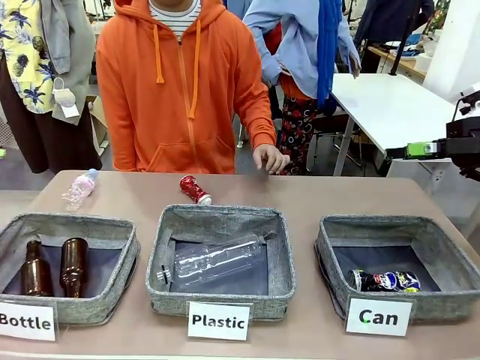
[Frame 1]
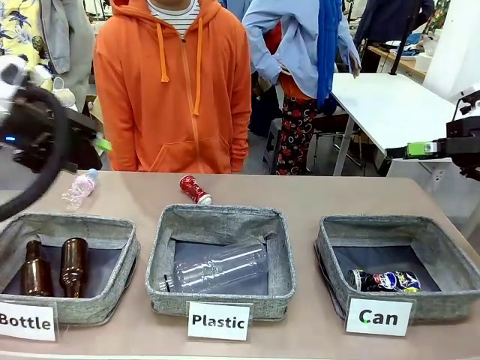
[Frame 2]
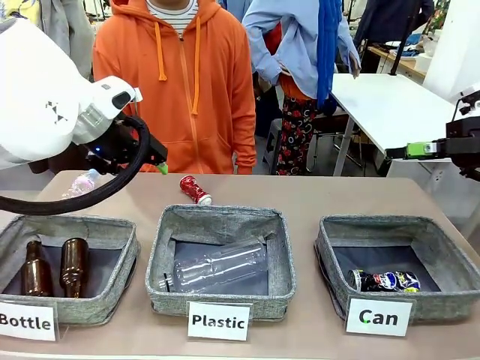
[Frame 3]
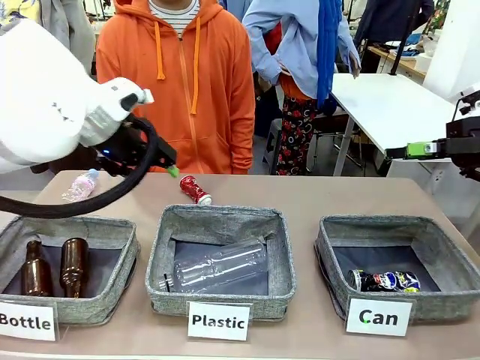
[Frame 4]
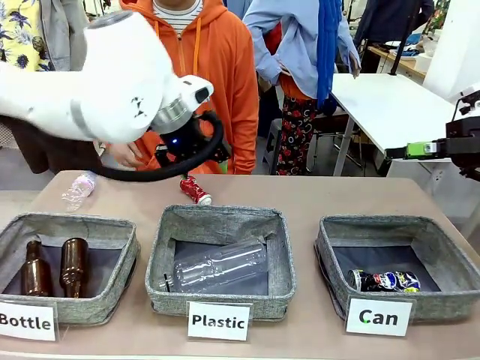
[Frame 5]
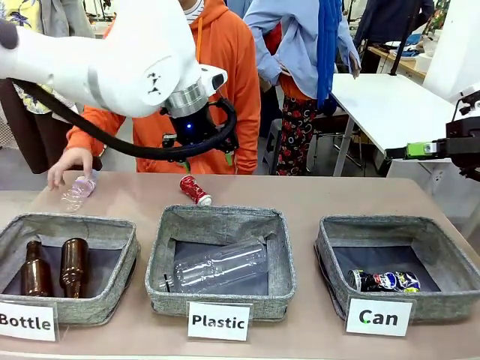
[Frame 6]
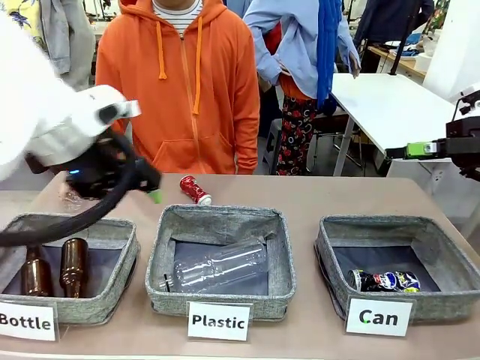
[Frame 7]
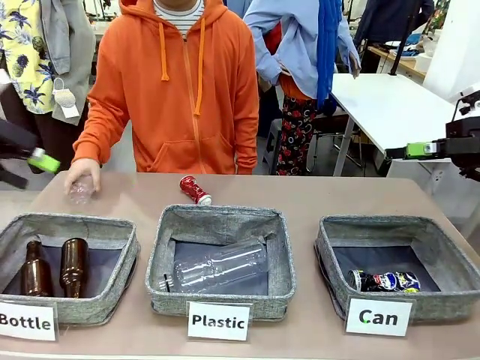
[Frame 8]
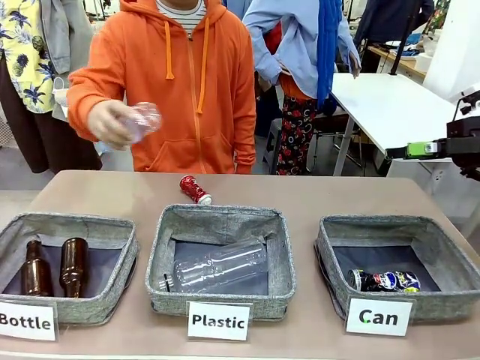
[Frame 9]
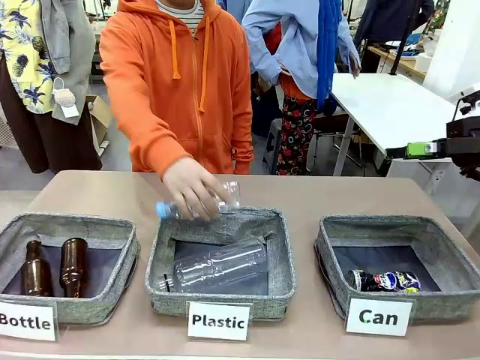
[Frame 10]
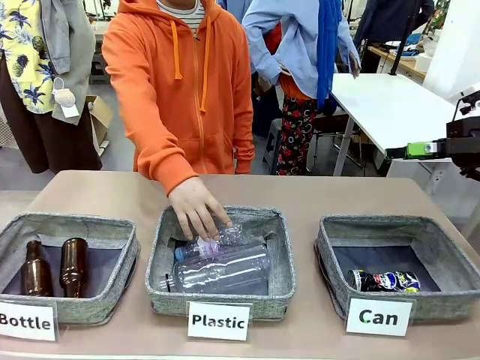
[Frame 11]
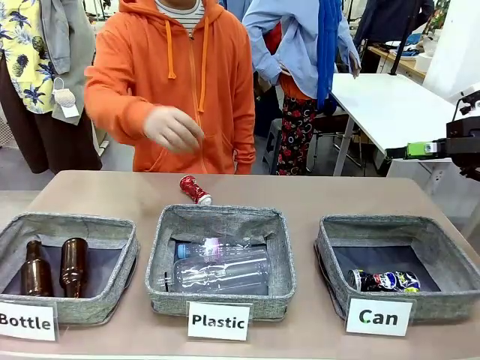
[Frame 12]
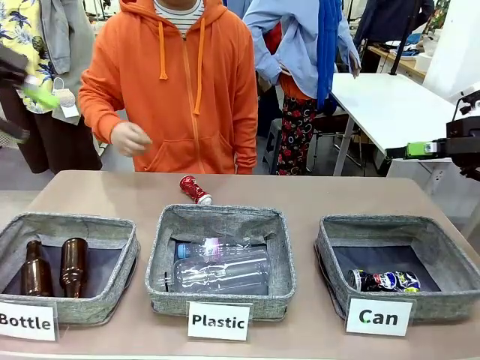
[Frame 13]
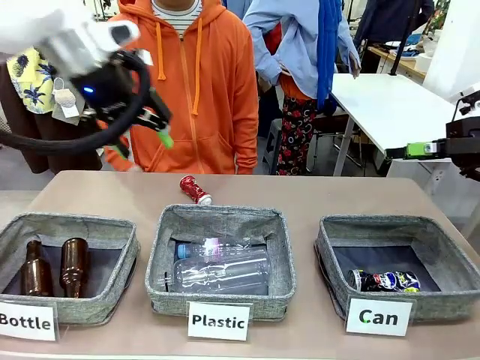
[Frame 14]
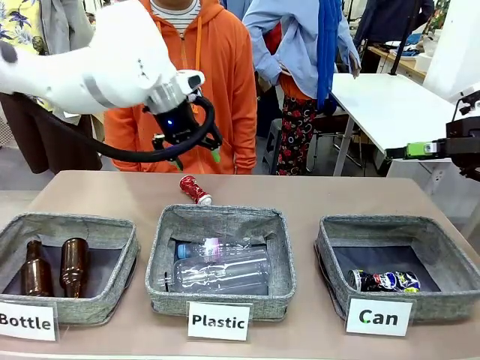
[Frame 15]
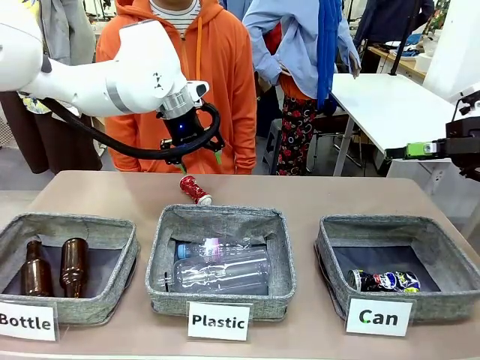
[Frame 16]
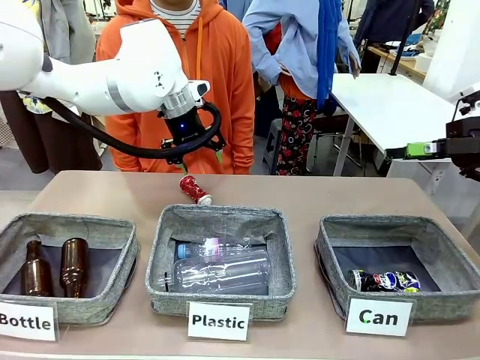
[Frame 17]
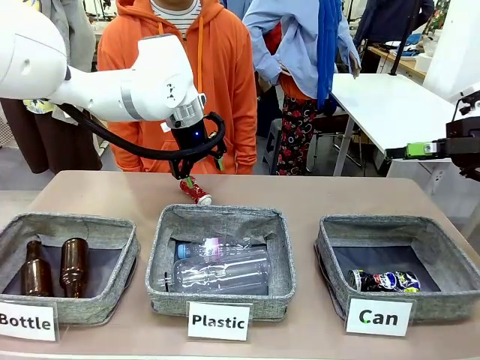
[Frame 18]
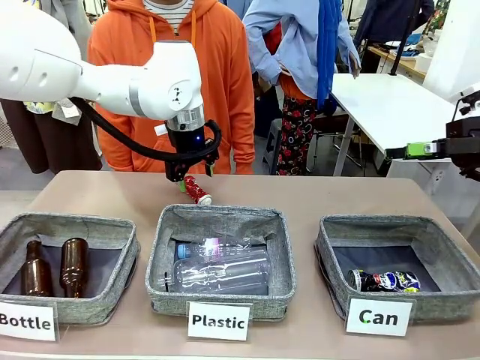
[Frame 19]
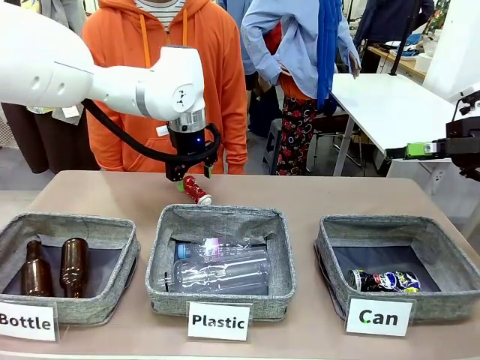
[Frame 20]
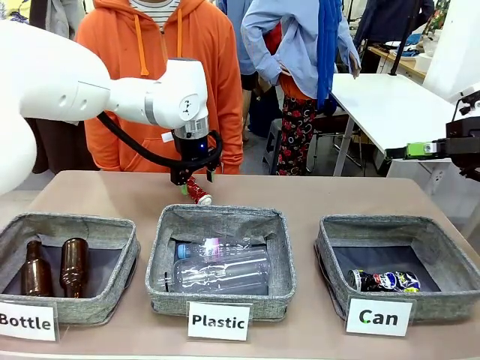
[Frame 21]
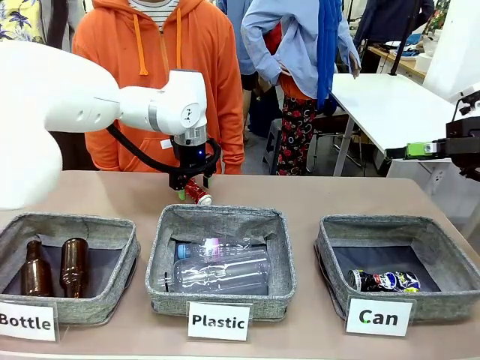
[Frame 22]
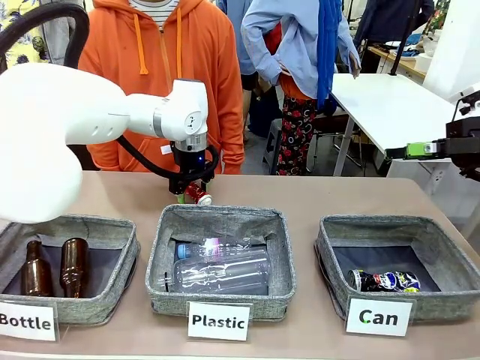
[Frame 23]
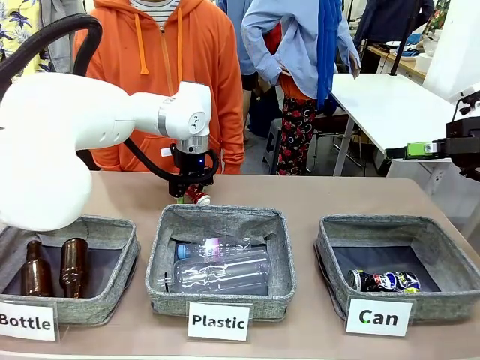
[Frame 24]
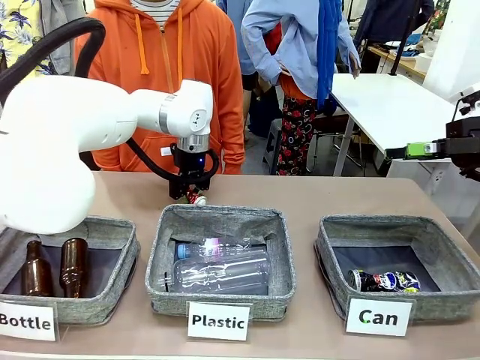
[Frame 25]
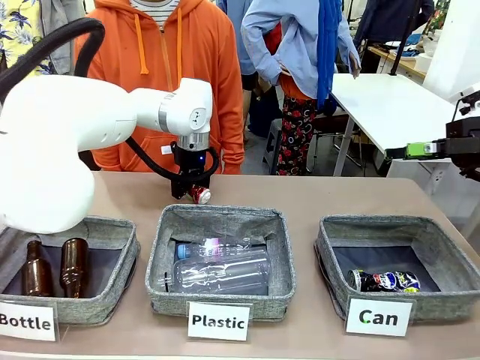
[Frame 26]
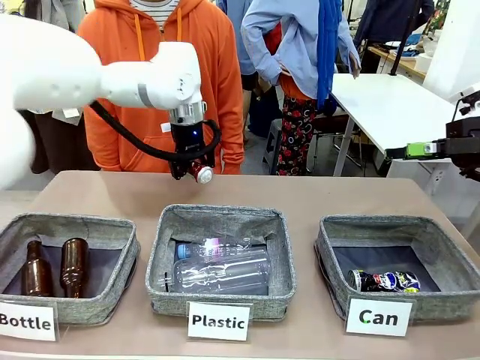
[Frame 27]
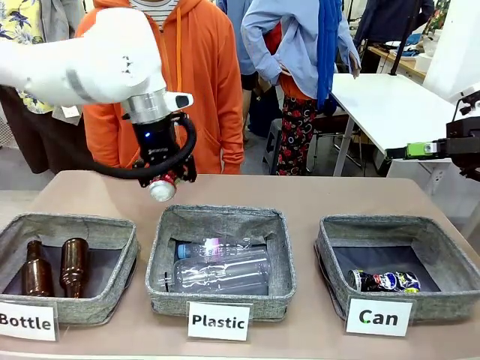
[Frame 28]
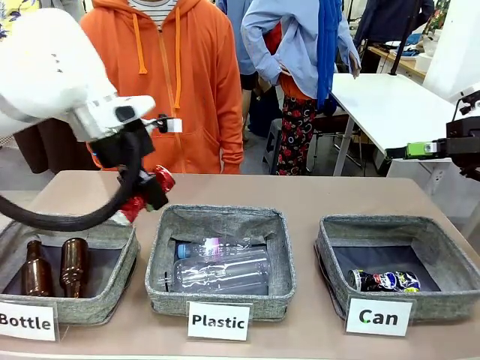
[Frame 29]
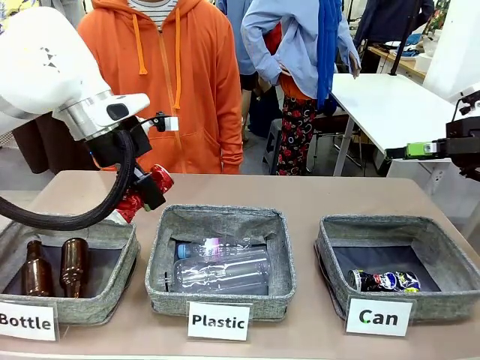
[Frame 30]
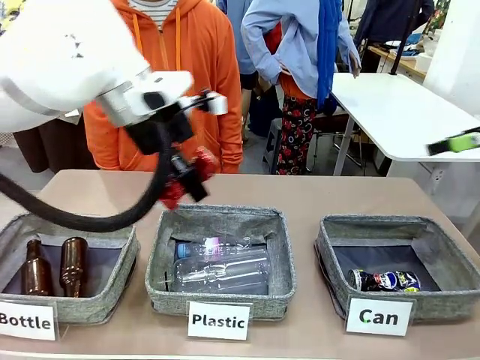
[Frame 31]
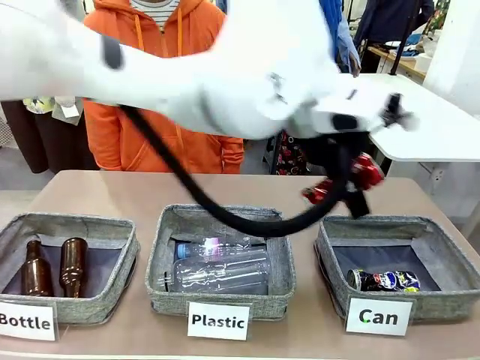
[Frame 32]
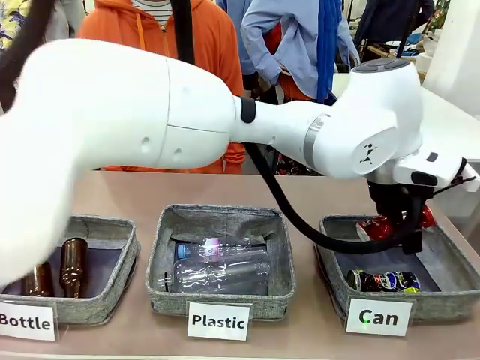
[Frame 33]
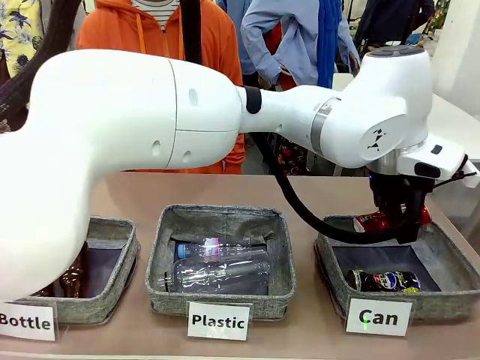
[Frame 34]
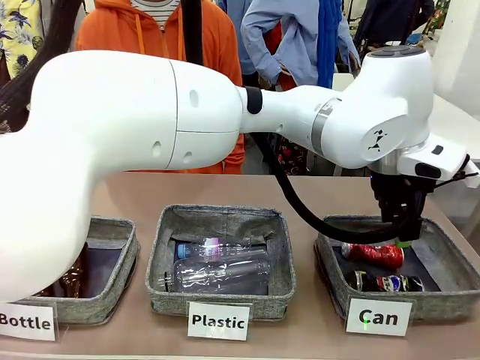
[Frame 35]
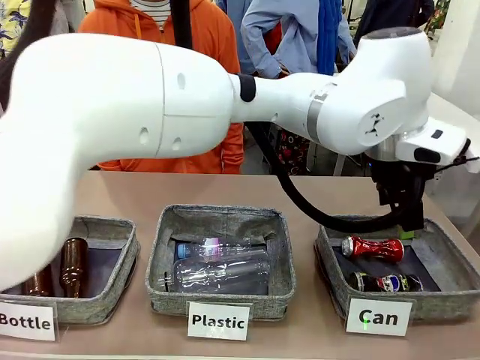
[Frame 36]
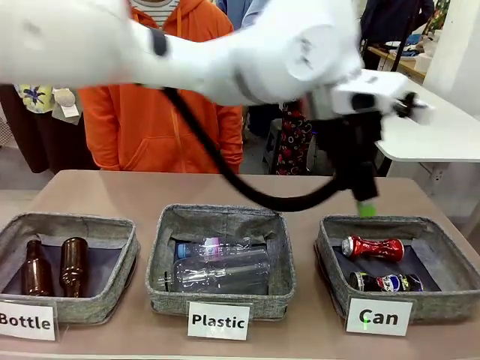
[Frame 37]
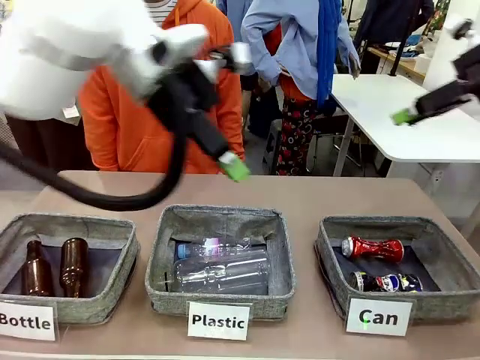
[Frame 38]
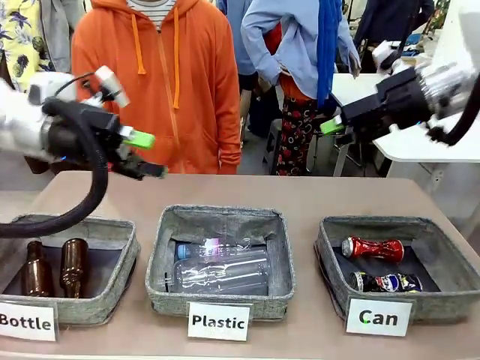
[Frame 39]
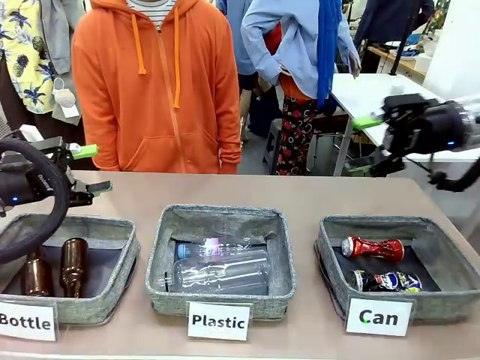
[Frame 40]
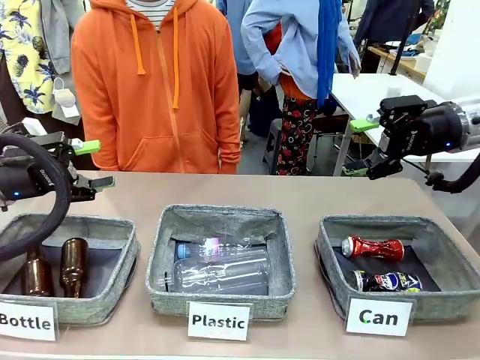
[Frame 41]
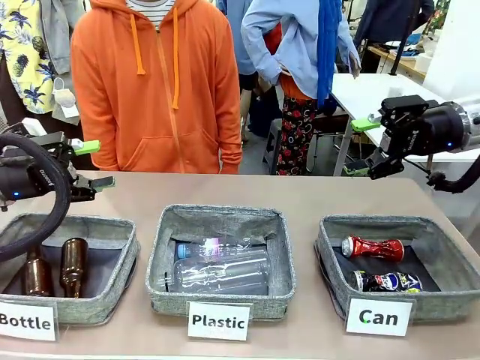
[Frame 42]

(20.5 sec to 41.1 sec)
Task: Sort the can waste into the basket.
Robot: Pick up the can waste from the table and place it in the right Fabric basket.
Person: The human picks up one piece of trash that is not a can and places the trash into the appropriate organizing basket.
